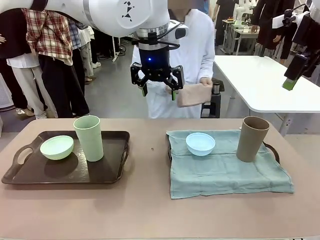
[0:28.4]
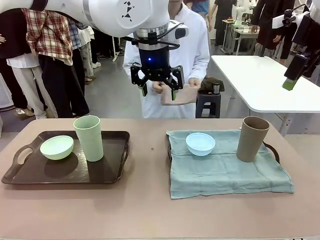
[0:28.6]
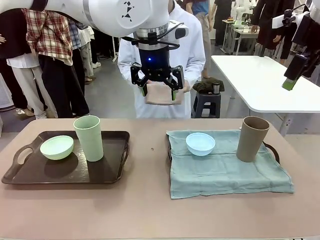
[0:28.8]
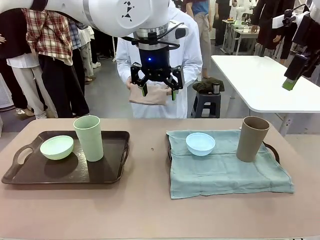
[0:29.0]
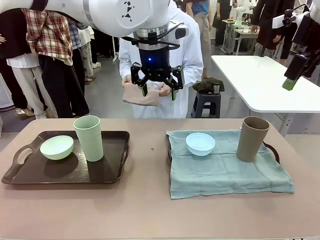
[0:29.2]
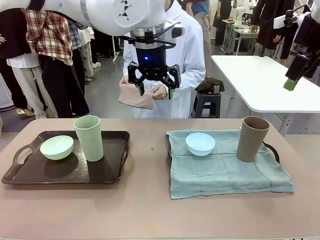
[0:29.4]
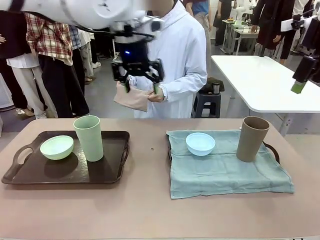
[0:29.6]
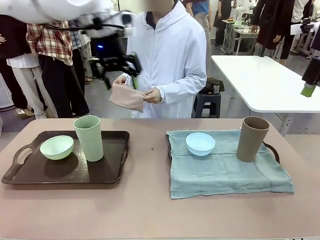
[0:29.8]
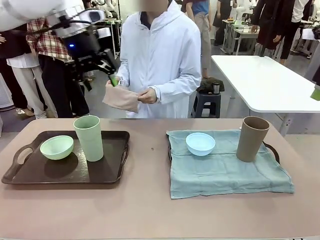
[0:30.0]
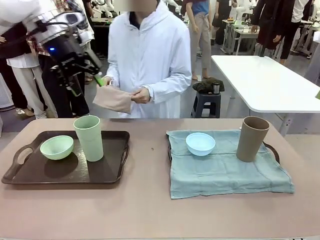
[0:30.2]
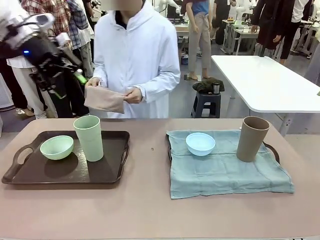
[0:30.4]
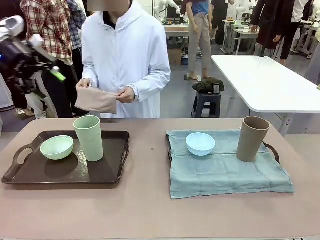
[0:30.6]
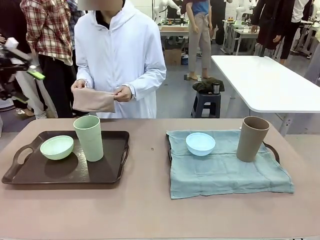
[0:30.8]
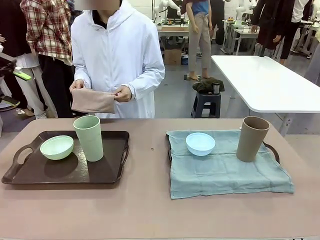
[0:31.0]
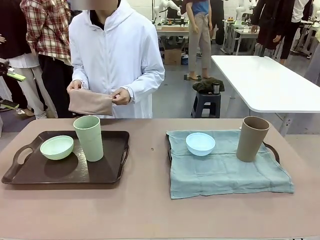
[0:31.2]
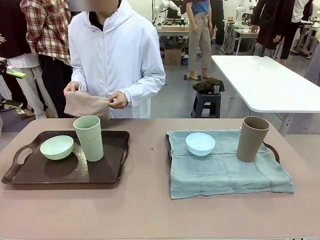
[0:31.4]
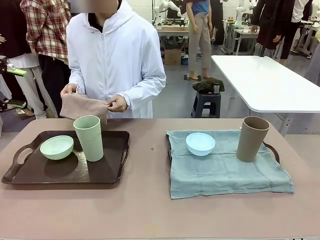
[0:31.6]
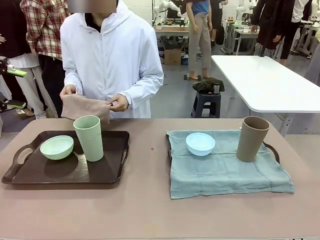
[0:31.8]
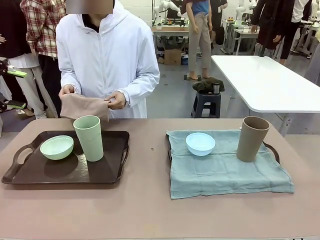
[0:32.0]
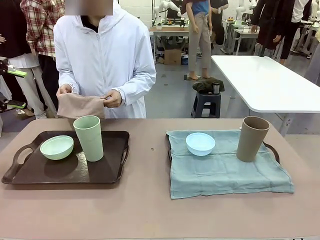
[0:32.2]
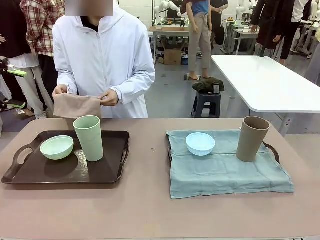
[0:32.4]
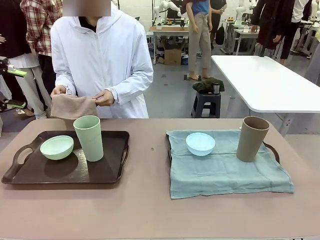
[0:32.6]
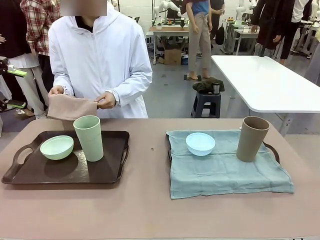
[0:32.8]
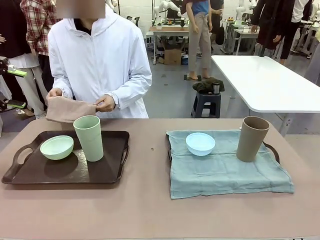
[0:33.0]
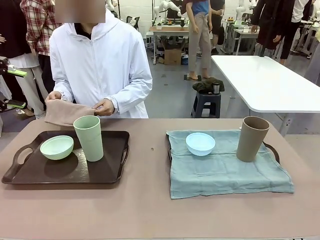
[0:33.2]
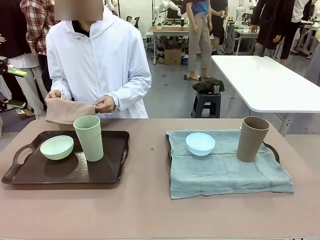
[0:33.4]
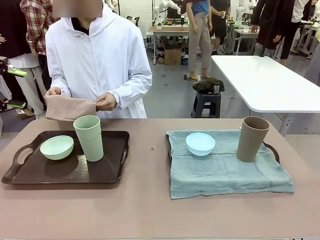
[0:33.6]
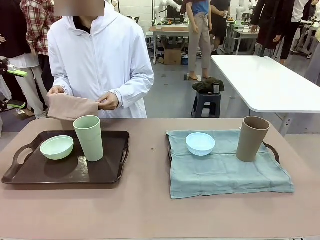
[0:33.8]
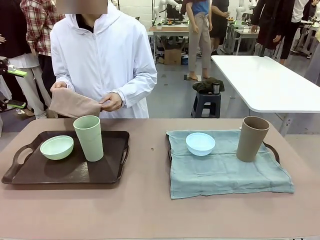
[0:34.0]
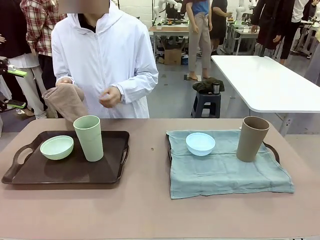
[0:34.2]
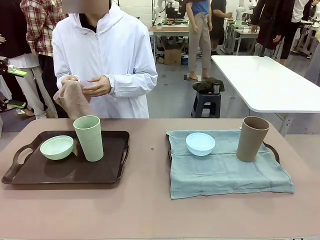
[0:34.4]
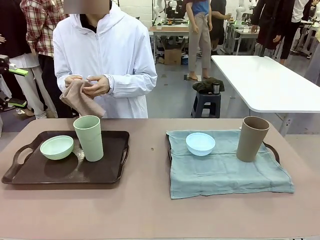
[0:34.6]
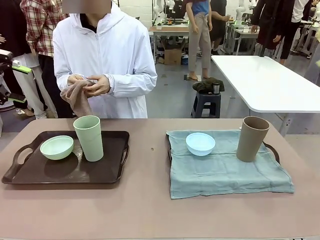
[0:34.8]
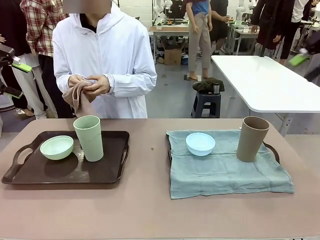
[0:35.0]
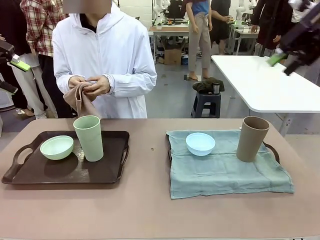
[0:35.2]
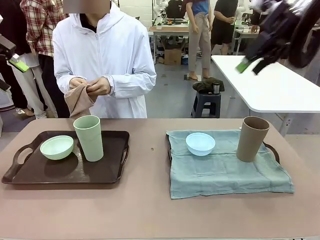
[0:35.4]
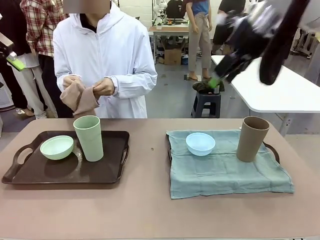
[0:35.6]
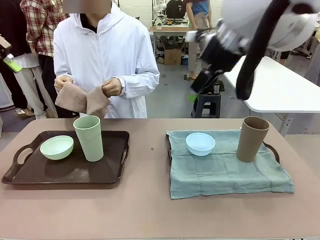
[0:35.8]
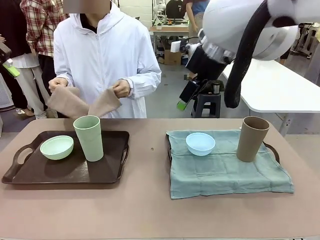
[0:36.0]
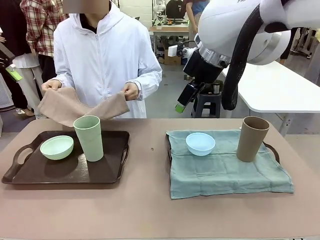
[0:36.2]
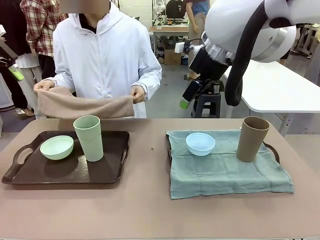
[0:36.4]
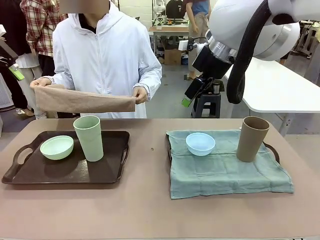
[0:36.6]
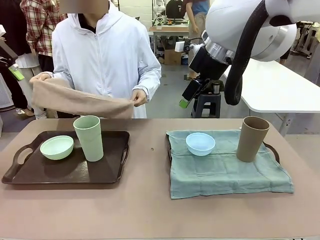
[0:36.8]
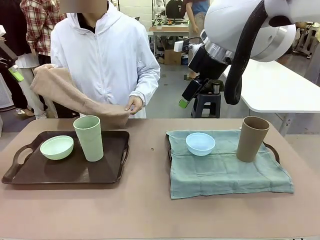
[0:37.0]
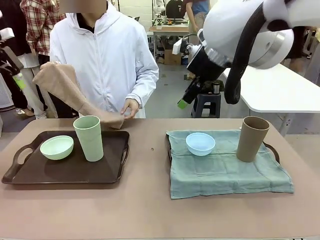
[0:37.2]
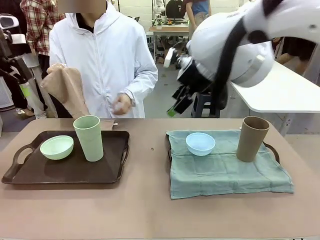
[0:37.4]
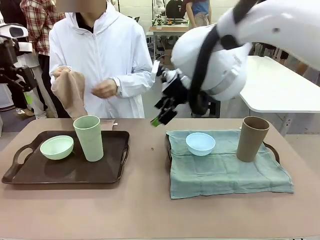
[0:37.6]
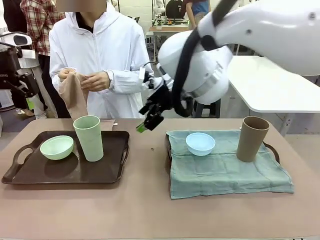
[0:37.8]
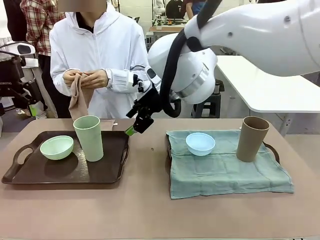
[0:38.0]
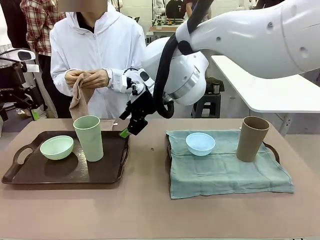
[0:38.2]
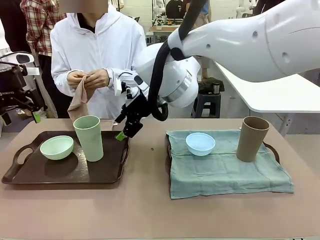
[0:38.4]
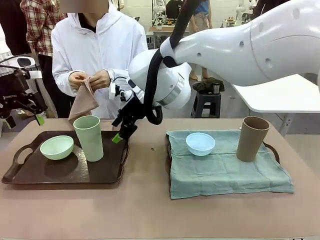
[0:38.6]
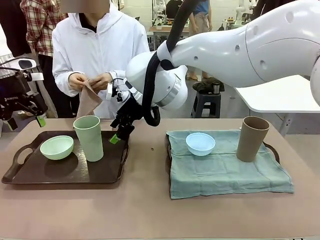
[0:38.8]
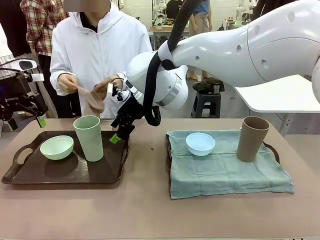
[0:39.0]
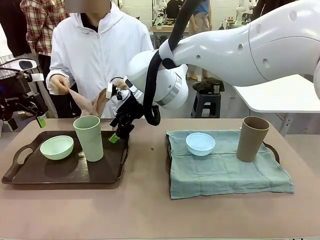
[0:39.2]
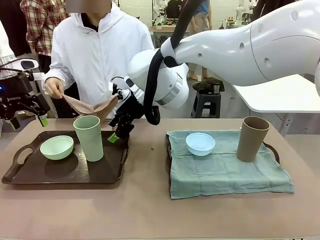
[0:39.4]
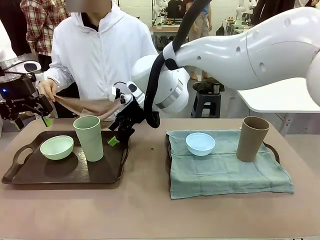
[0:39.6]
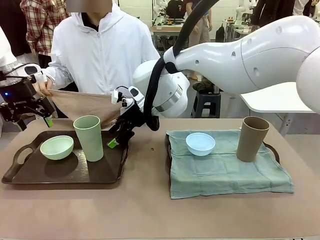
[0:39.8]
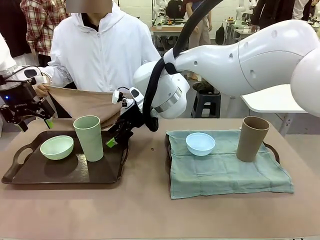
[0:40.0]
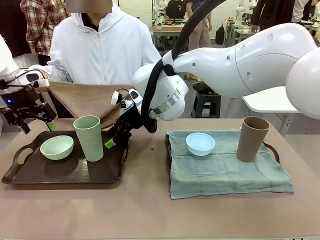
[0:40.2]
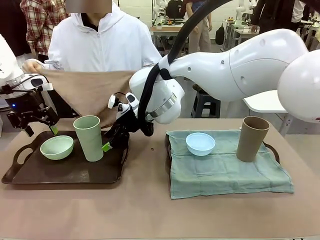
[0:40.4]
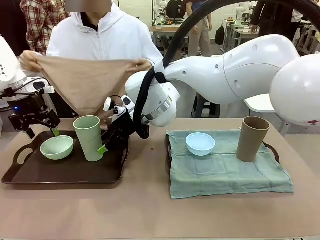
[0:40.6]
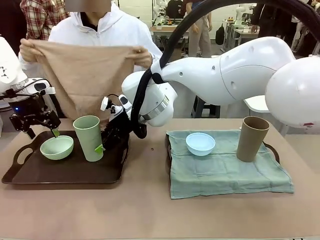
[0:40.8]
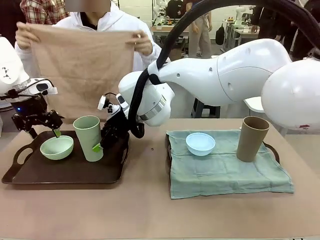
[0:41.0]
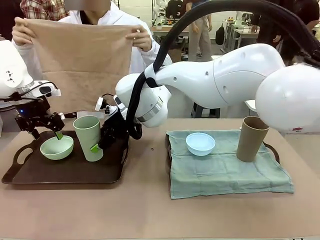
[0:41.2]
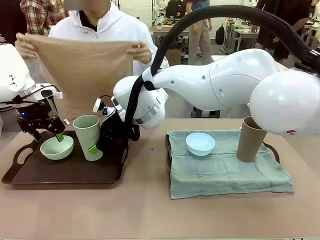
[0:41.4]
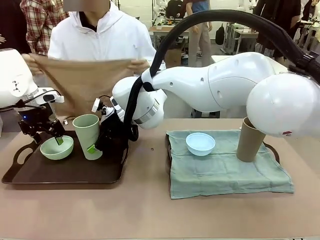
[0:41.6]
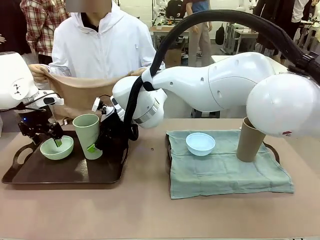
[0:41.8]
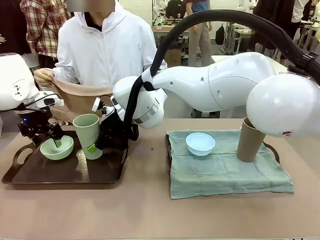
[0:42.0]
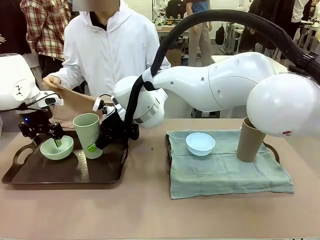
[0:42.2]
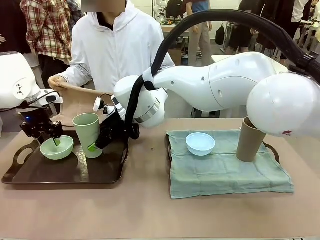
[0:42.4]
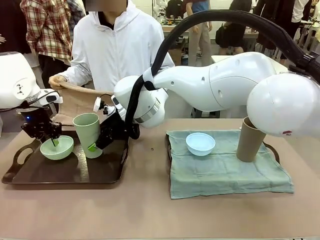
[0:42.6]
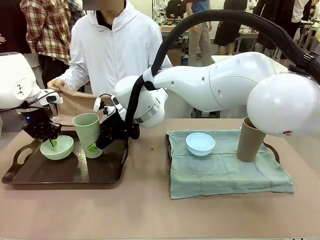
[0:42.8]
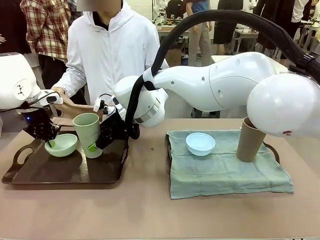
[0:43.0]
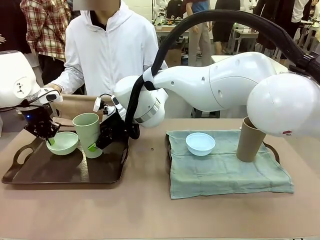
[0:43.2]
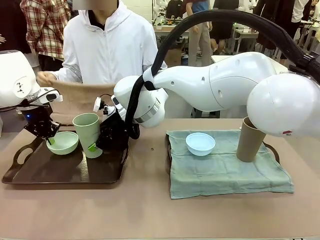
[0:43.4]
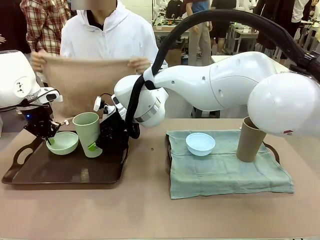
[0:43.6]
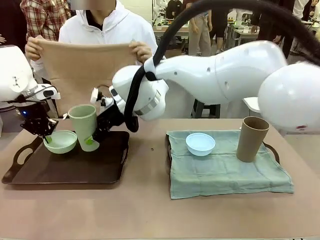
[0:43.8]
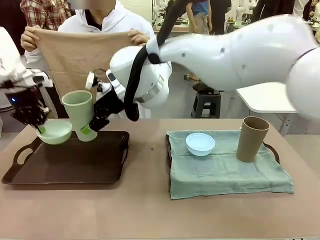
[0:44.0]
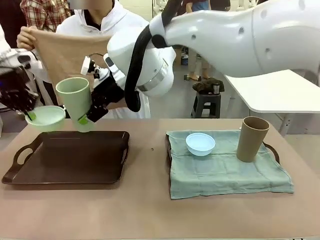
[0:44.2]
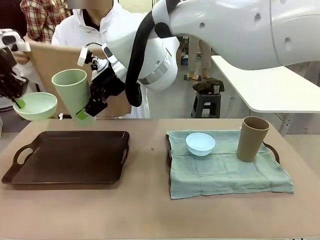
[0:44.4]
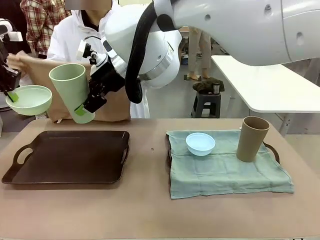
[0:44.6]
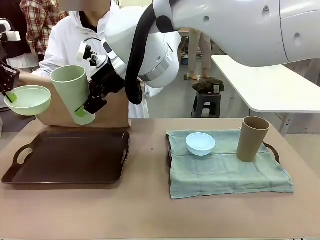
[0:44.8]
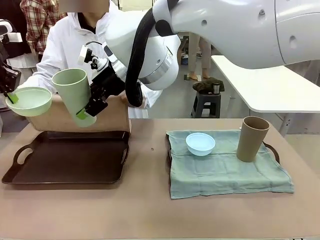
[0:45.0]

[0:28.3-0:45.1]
Robot: Pick up the Picnic Bowl and Reusable plastic cup from the Handle tray in front of the human's position and hold them in the air.
